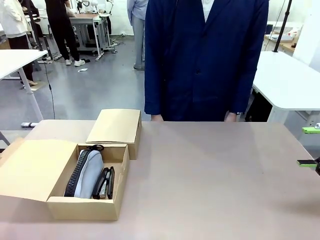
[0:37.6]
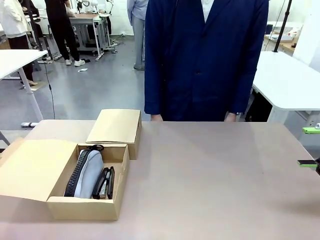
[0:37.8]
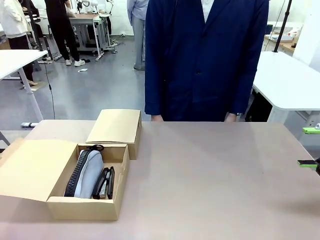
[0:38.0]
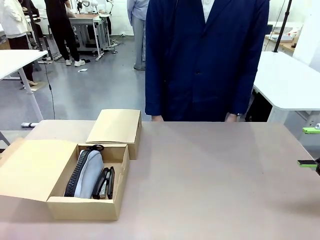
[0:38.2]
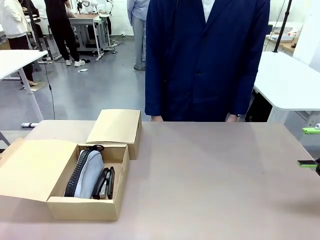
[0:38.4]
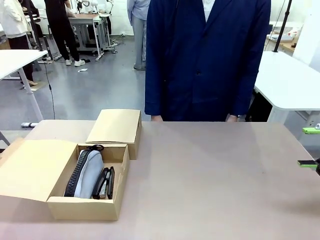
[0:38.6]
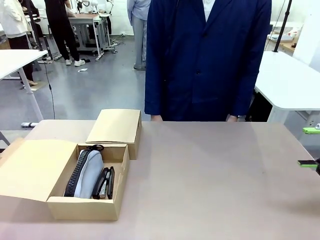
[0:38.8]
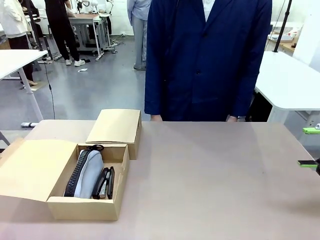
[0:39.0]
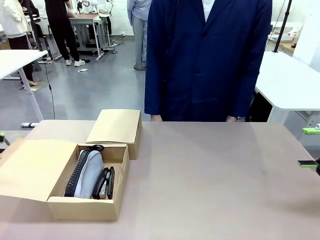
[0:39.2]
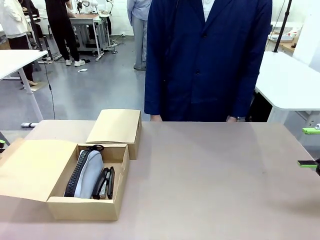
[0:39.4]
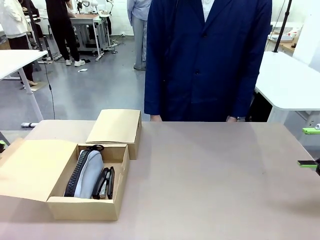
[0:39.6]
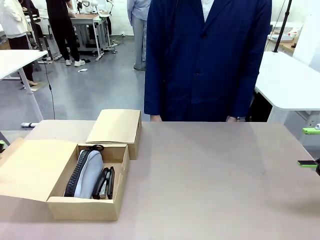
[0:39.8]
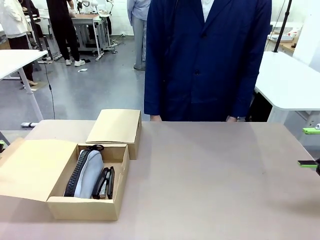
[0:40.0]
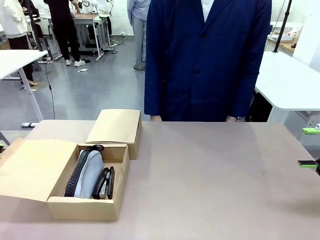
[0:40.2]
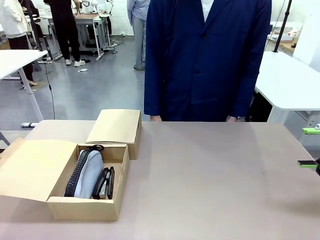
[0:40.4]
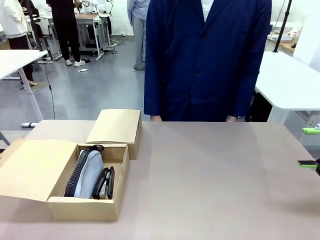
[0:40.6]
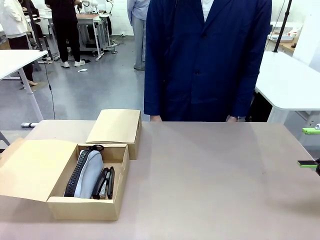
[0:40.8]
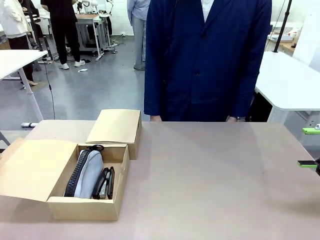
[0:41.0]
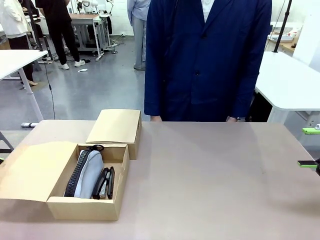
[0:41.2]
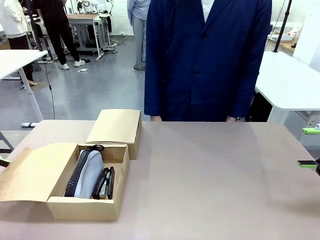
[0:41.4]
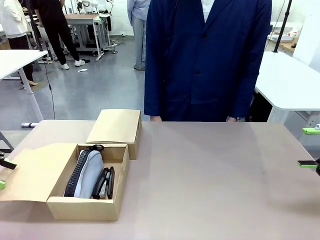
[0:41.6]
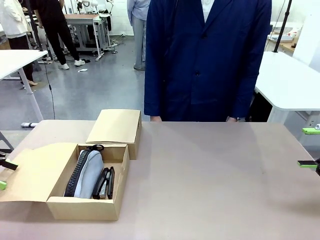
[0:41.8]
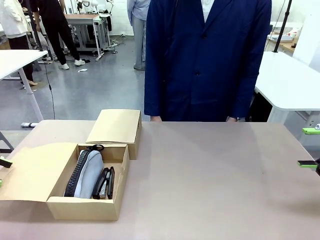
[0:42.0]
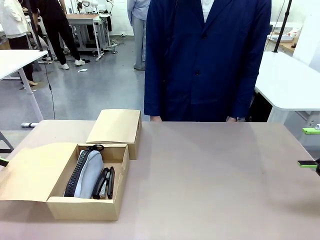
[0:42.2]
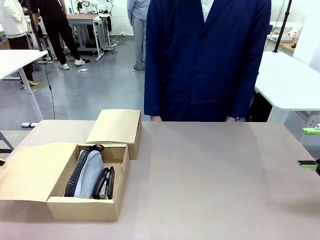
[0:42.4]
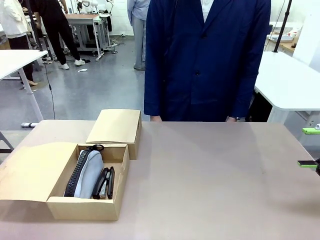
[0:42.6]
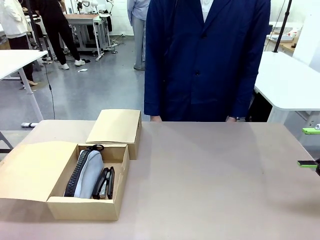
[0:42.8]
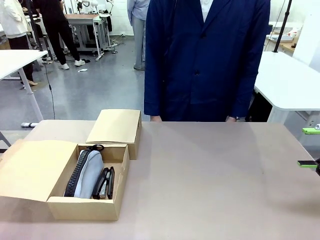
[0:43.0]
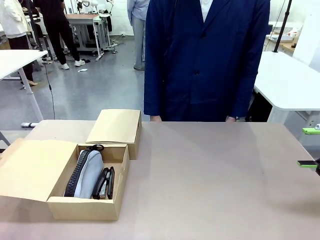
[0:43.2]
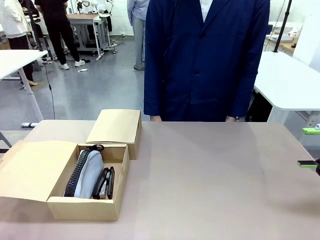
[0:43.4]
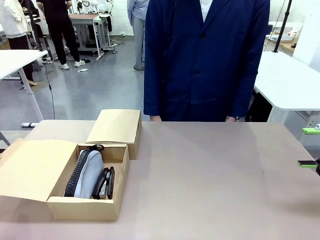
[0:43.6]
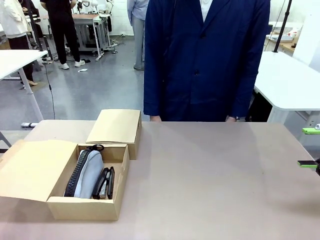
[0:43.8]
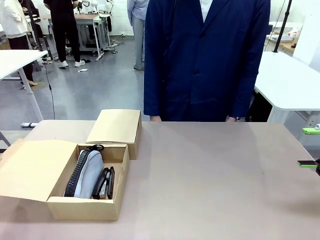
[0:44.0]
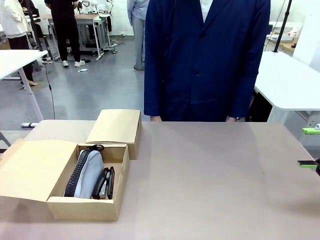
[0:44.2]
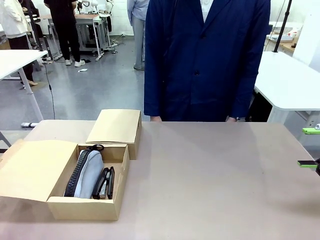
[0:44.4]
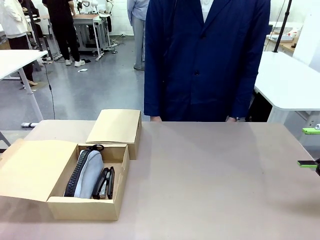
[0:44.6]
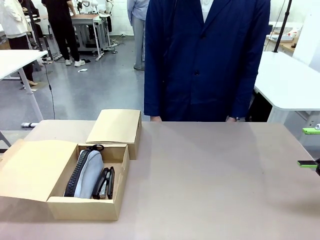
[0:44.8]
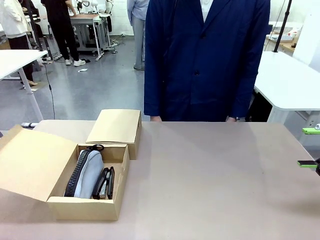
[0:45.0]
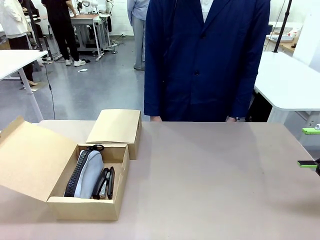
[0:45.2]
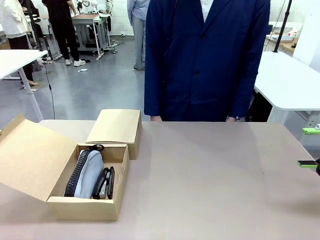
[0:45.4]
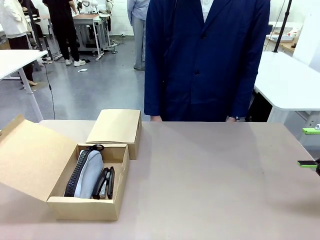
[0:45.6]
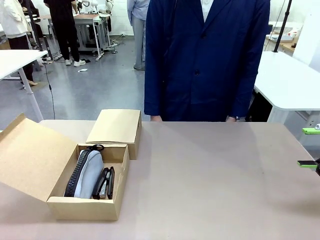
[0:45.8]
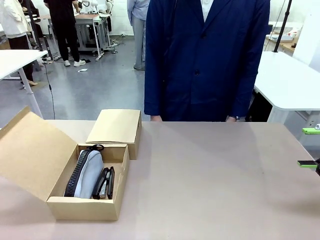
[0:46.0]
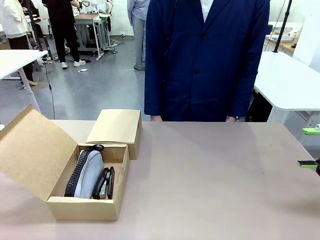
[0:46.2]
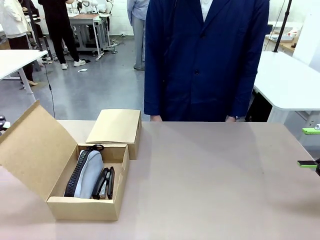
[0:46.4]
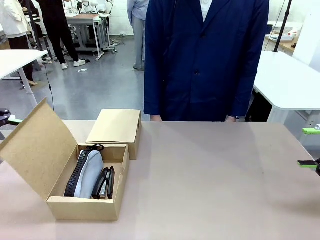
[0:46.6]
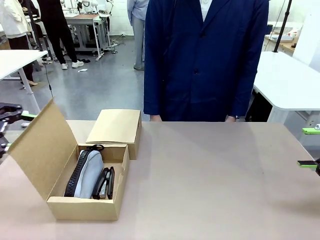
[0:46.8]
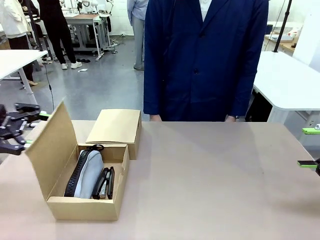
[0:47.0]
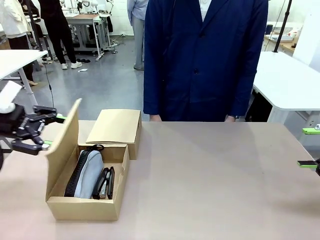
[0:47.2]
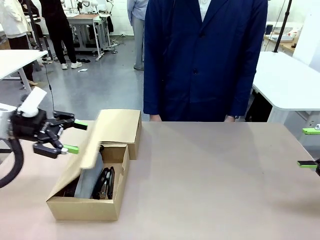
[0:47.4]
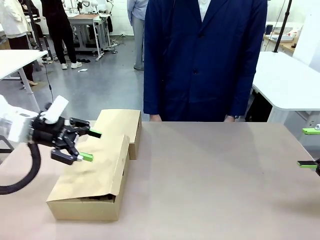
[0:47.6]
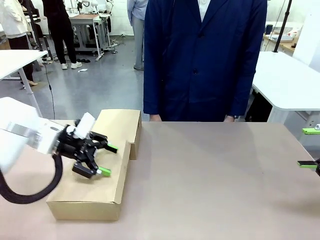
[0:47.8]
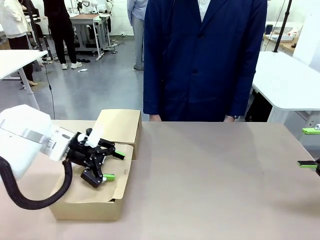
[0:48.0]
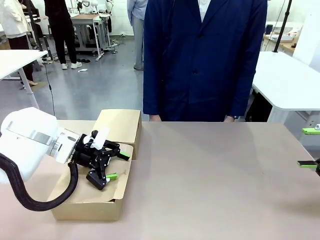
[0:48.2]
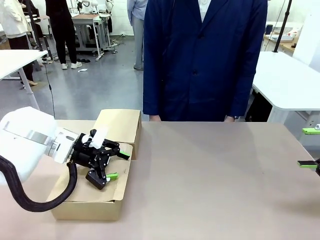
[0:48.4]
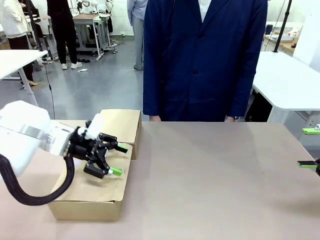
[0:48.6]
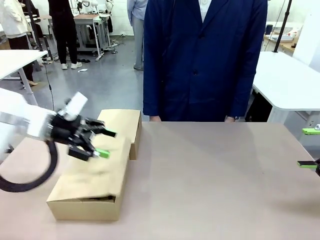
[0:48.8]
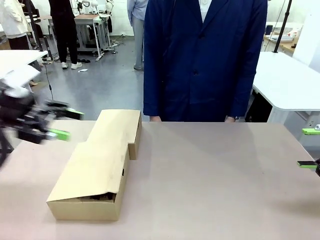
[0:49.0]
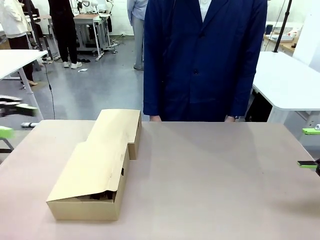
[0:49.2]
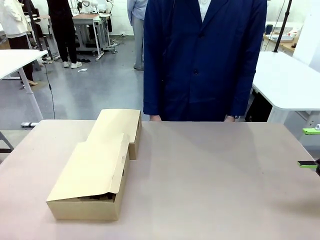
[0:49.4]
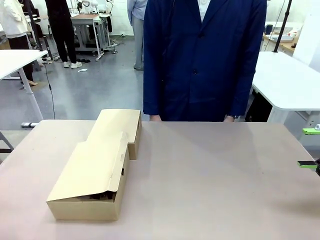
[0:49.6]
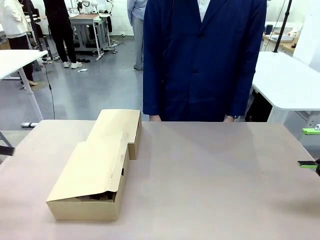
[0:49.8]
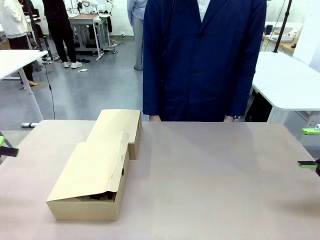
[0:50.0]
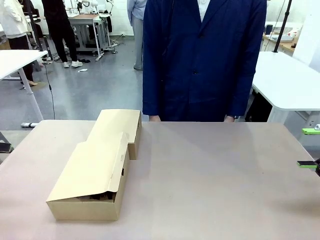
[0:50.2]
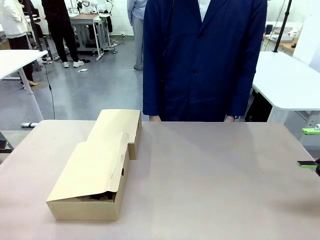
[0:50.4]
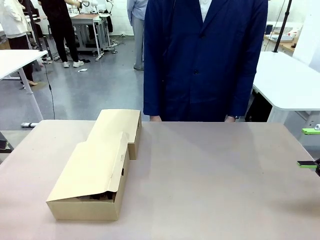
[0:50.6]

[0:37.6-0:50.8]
Task: Place items inside the box.
Robot: Close the lid of the Mailer Box closest to the robot.
Person: Close the lid of the box facing the person.

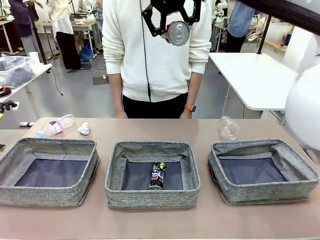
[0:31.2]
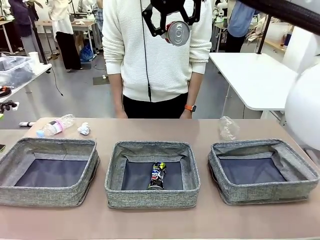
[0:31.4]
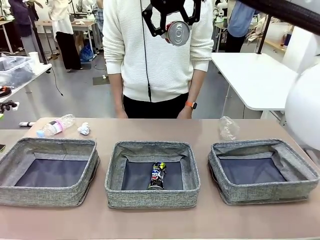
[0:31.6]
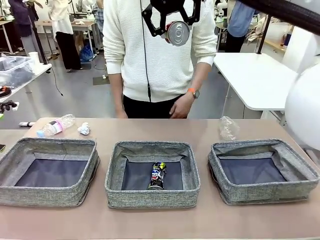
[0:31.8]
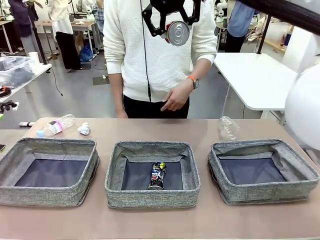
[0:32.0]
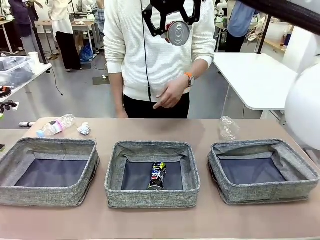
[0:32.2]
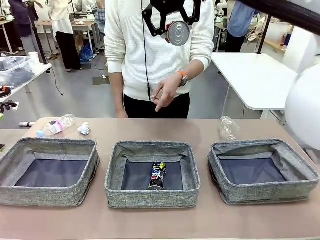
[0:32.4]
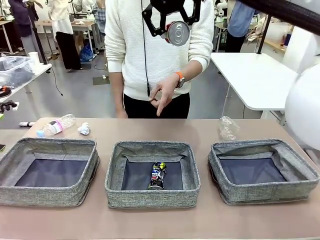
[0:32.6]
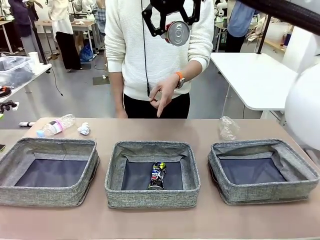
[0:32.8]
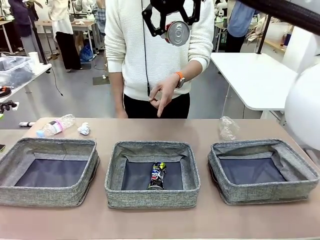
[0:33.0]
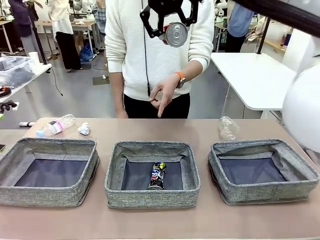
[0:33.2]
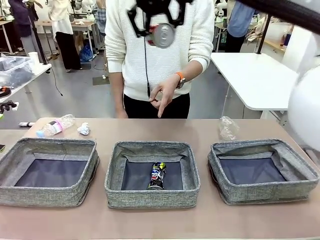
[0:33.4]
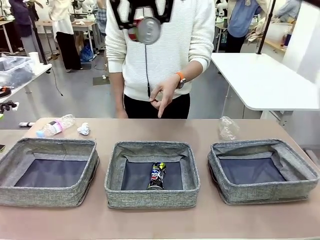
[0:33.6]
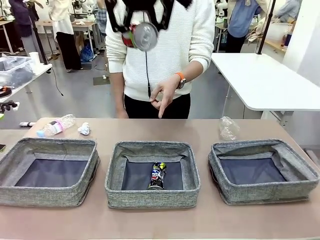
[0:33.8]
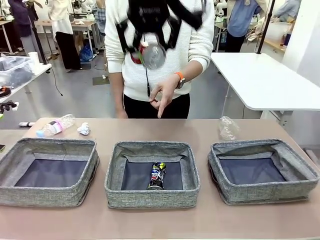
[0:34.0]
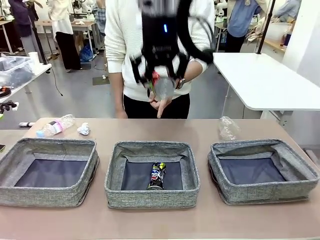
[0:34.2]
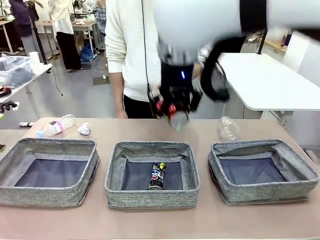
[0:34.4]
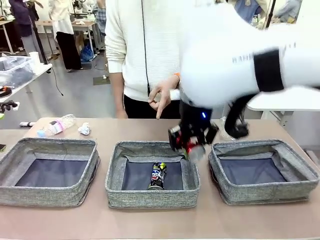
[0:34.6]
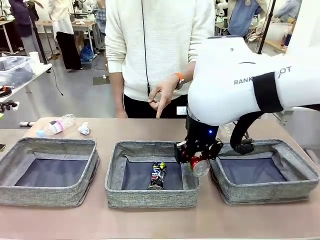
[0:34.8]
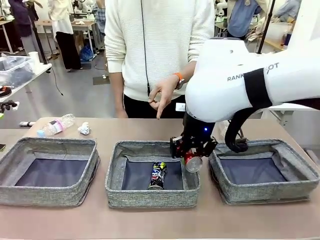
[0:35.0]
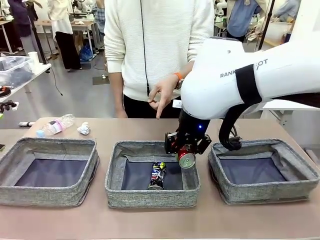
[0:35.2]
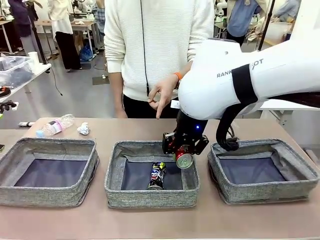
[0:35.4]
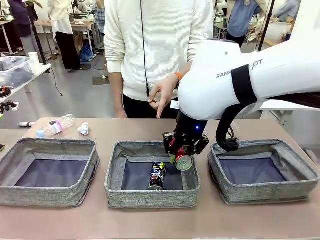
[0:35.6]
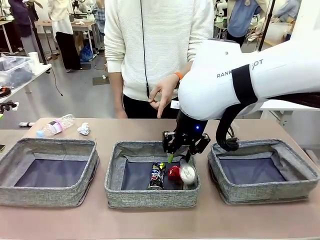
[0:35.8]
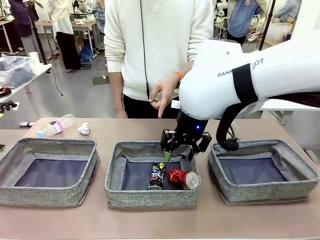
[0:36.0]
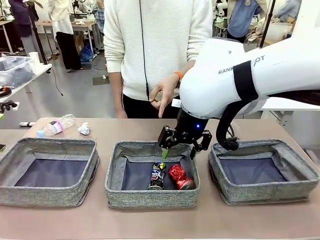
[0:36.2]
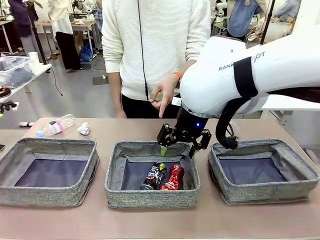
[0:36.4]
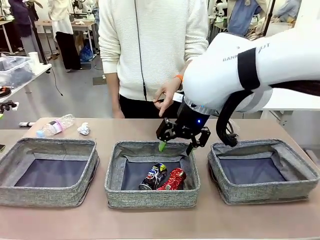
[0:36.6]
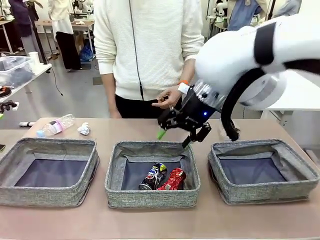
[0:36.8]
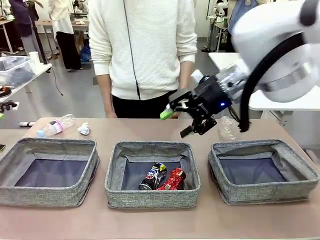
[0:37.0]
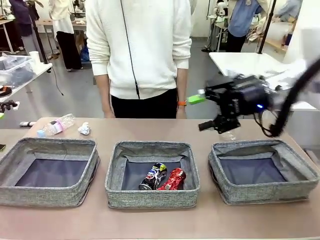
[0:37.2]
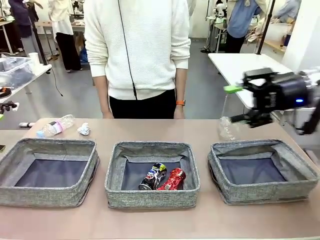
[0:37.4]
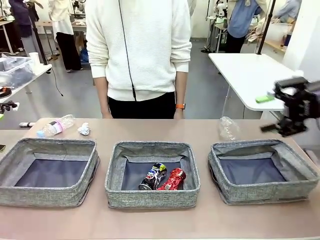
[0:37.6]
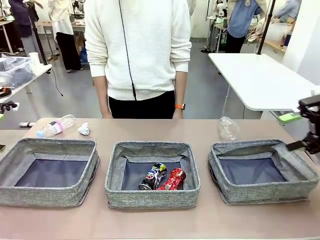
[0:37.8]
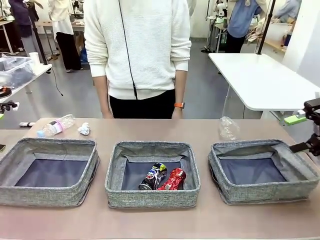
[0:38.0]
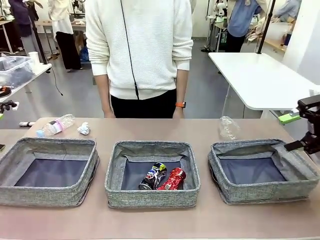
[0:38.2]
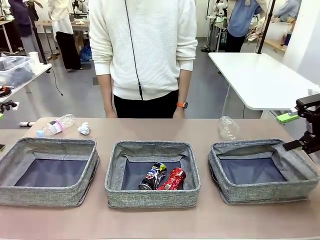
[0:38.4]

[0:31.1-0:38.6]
Task: Sort the waste into the appropriate baskets.
Robot: Place the picked waste into the Fabric basket indicated by the person.
Person: Instructs the robot to place the picked-up trash into the appropriate organizing basket.
